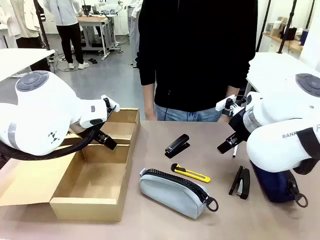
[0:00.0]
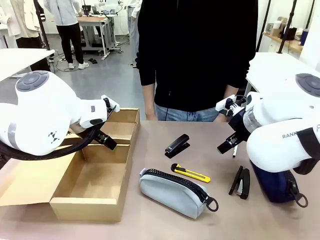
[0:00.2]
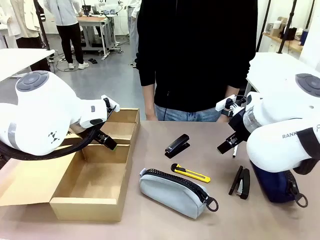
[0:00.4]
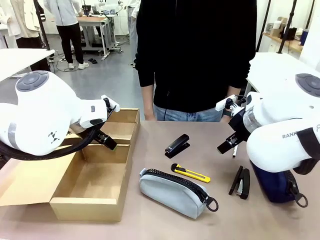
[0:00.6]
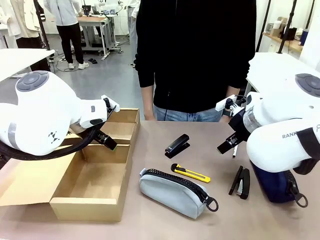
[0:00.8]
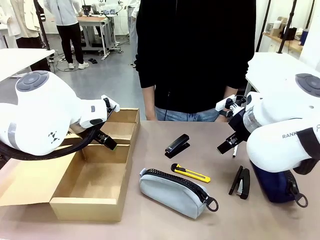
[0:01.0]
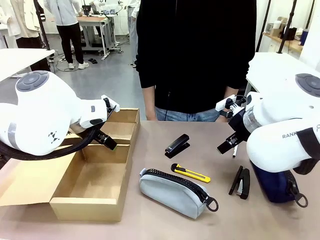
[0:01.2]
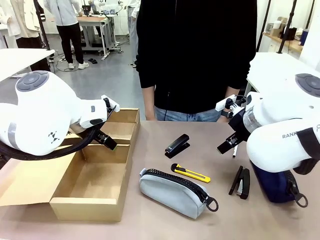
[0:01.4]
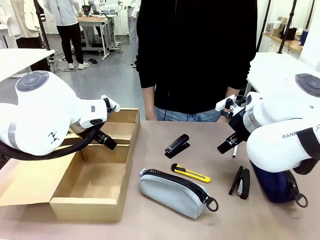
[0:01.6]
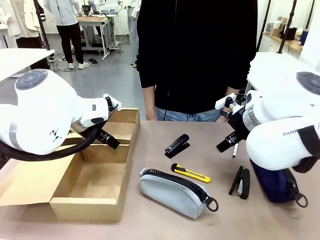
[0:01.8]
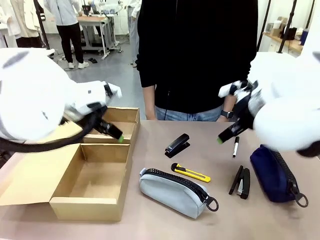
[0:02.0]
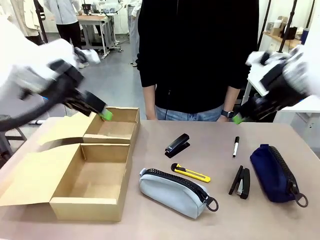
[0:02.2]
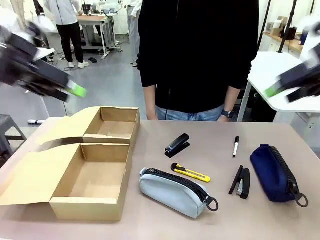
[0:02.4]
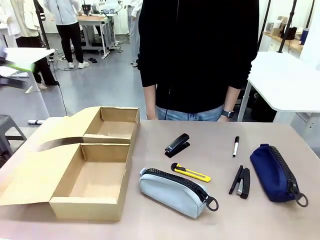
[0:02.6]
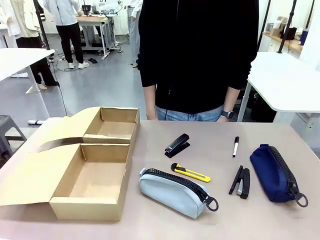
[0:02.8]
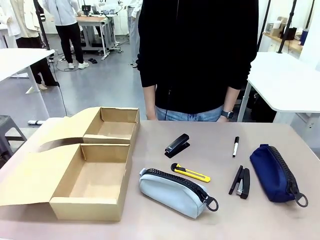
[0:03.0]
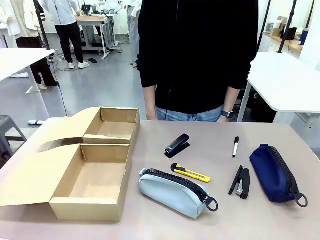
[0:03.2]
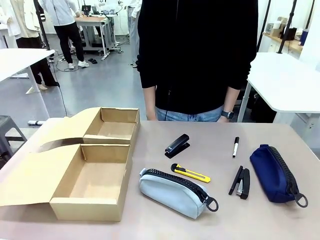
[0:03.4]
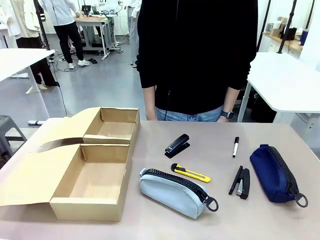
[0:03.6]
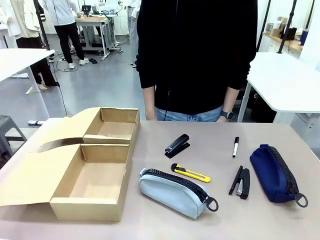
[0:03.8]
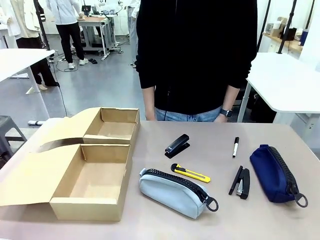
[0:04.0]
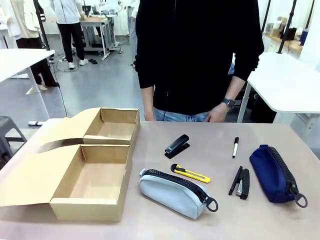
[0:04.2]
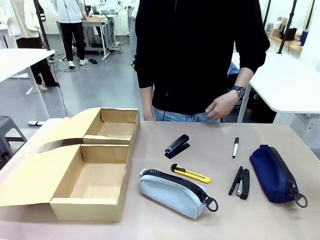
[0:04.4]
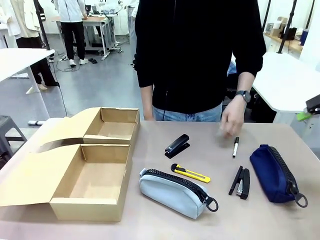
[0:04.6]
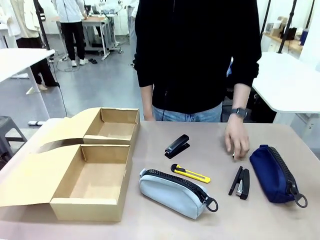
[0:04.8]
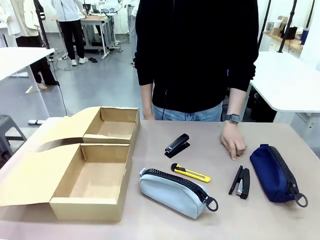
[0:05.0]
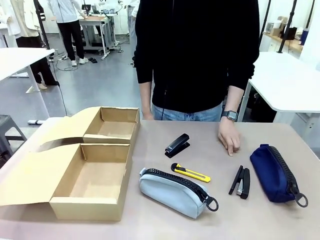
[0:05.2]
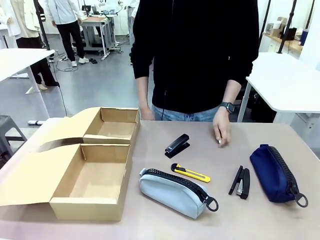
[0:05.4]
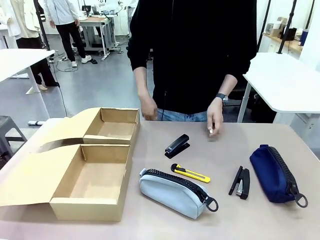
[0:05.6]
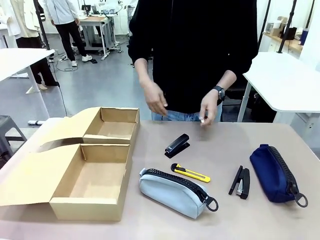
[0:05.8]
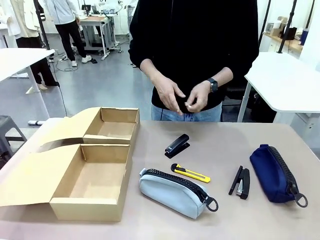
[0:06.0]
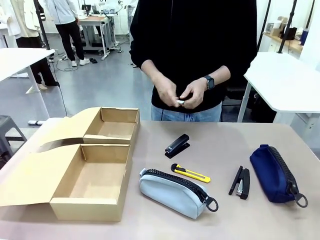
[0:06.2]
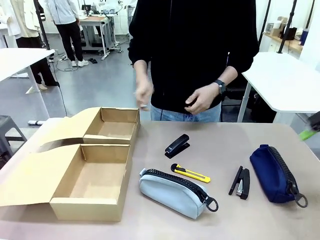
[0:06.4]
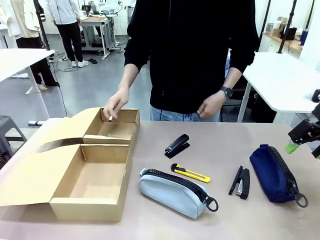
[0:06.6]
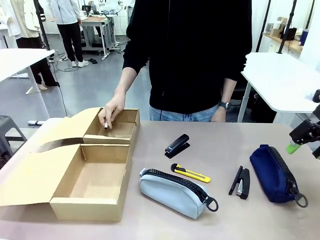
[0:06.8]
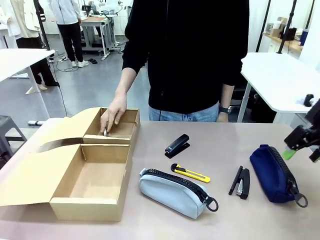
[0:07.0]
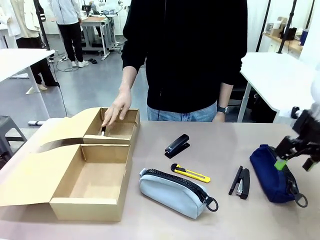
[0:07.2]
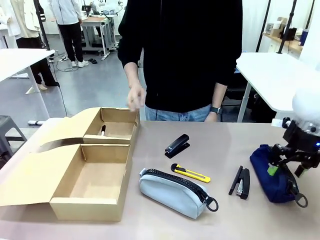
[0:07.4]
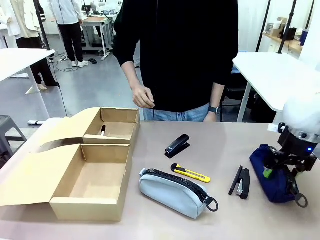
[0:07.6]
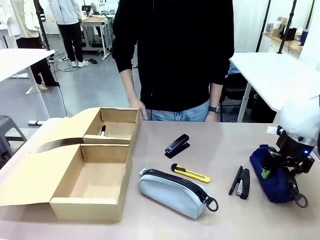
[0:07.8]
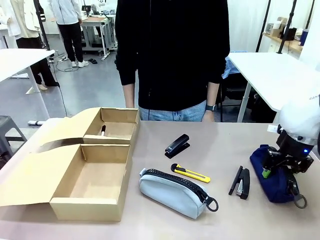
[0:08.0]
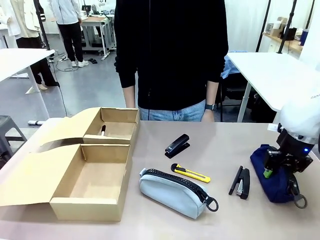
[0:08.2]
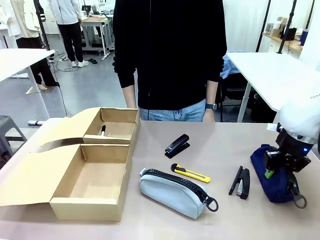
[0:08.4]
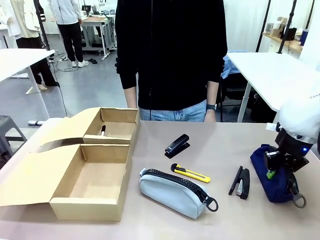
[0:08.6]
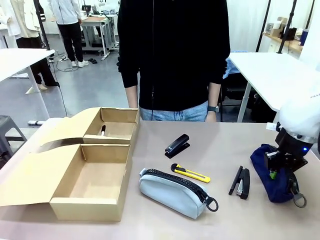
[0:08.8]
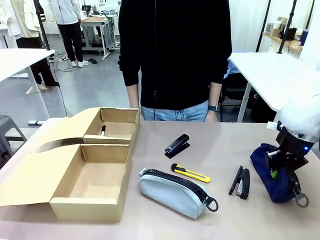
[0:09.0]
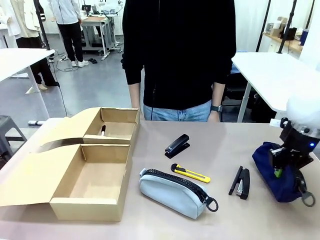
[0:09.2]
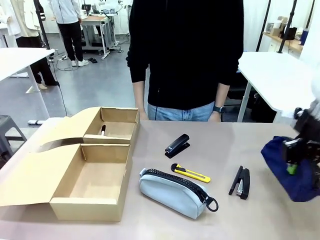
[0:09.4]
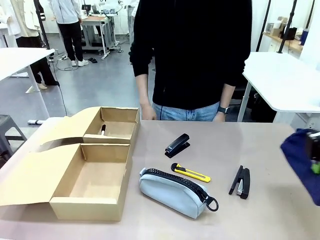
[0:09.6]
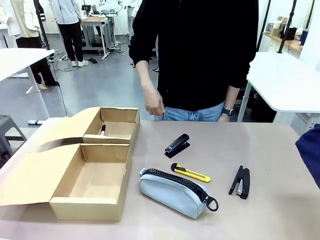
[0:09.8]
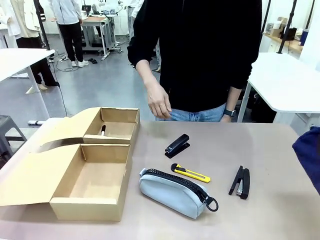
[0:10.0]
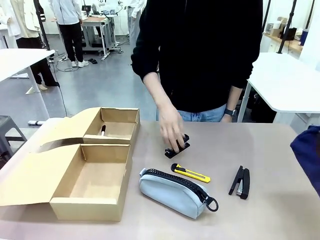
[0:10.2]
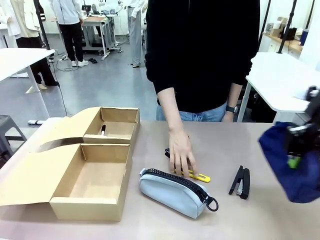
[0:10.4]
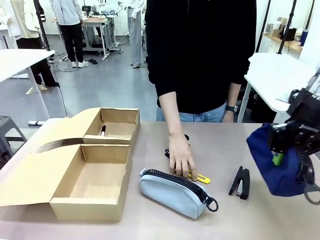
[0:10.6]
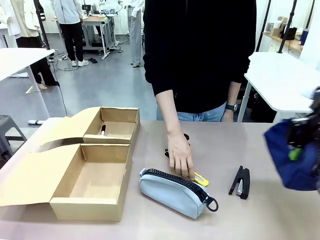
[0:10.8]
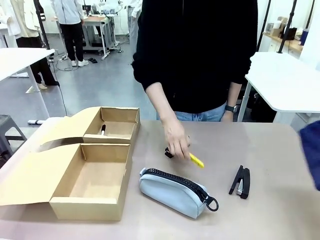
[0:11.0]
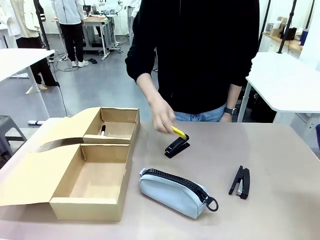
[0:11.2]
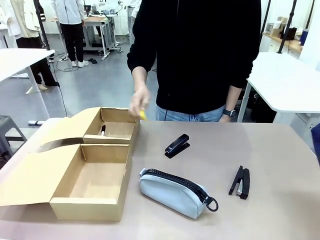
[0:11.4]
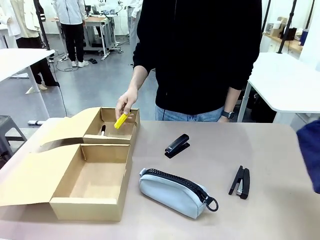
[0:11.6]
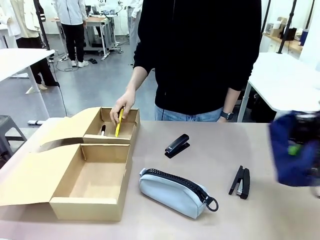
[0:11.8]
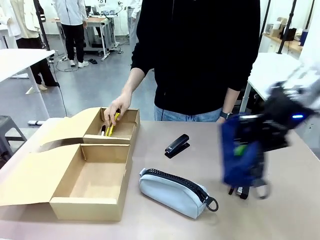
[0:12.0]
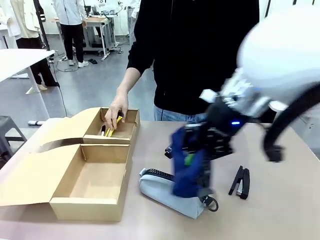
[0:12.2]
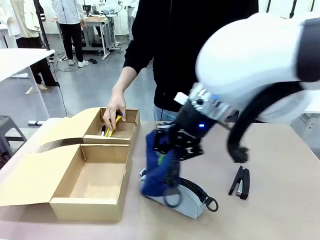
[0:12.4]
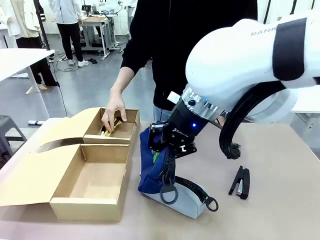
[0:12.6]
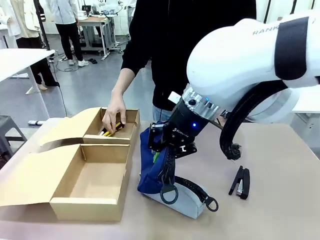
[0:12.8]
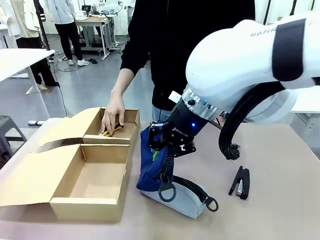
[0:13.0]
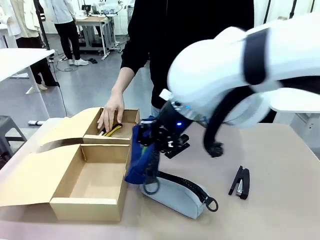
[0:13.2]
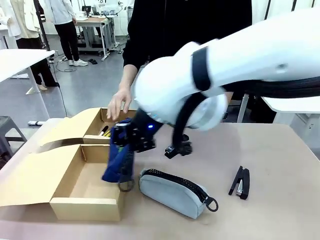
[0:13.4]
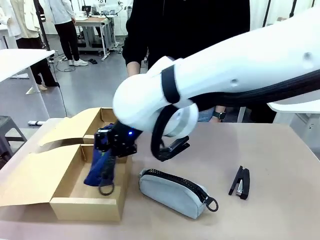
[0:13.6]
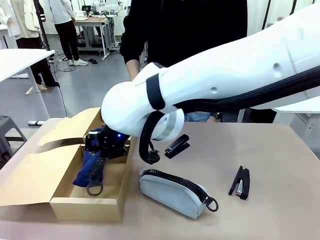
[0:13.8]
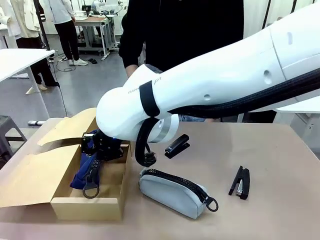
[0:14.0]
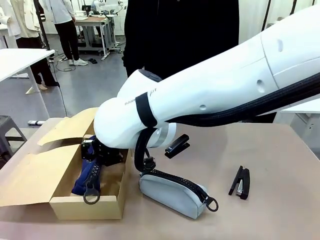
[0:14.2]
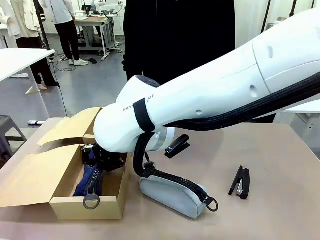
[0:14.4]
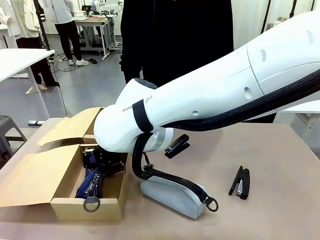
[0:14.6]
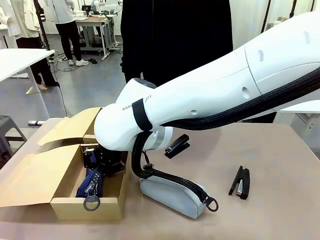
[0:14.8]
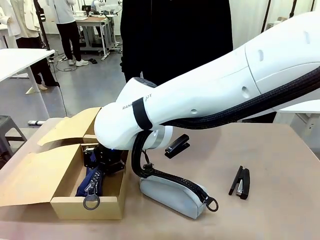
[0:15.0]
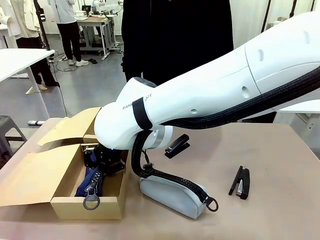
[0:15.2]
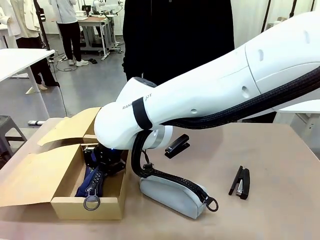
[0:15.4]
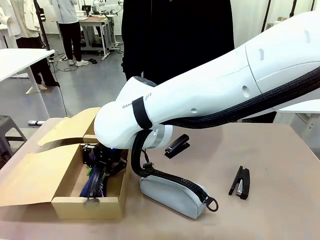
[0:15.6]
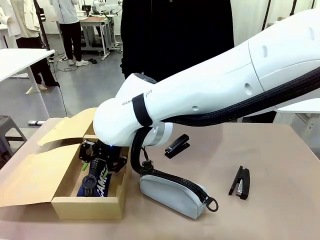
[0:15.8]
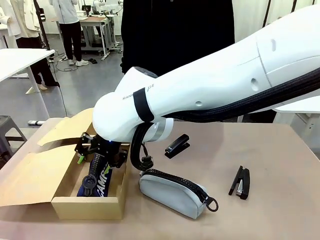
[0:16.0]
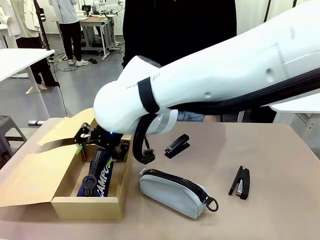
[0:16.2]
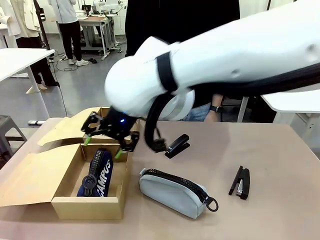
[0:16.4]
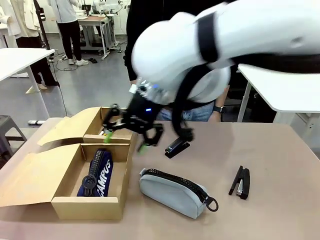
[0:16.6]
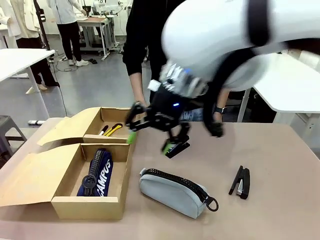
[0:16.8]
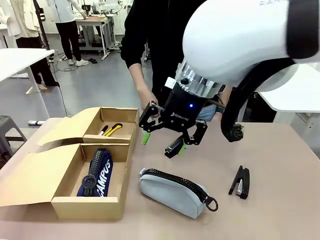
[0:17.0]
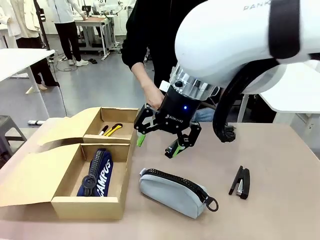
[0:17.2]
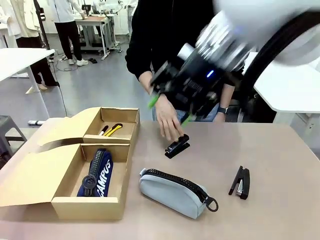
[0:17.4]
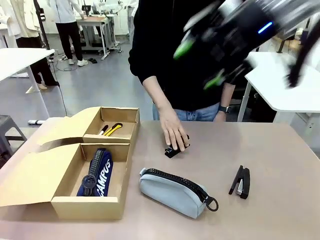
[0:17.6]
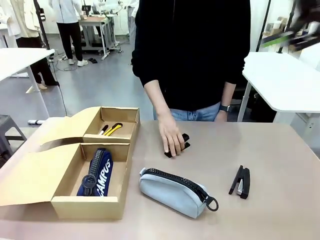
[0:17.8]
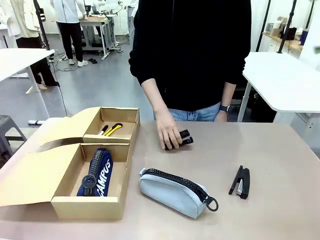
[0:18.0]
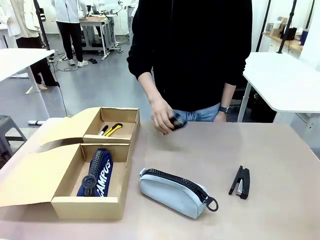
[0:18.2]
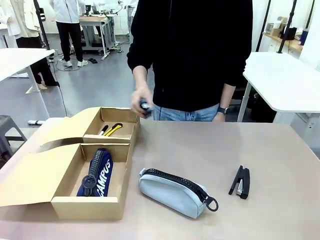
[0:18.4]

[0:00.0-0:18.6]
Task: Place items inside the box.
Robot: Pick up a Pencil pouch or Stapler and place it inside the Mailer Box closest to the robot.
Person: Pick up an object on the table and put it in the box.
